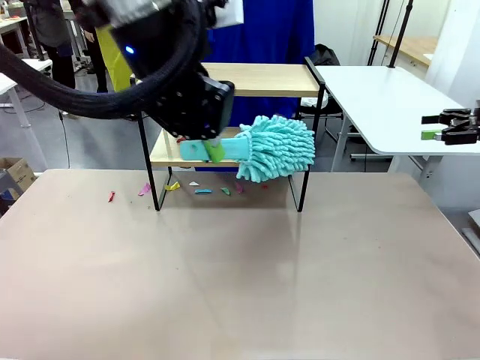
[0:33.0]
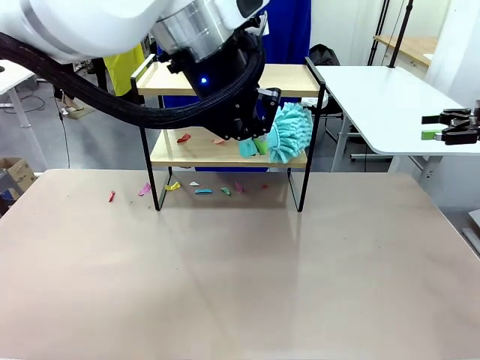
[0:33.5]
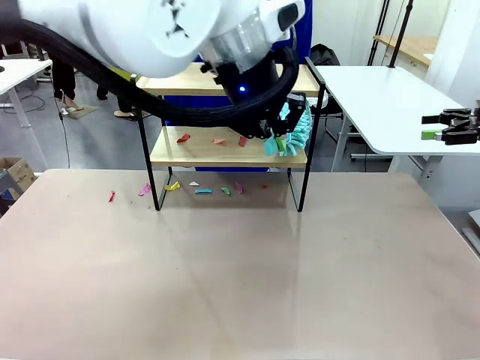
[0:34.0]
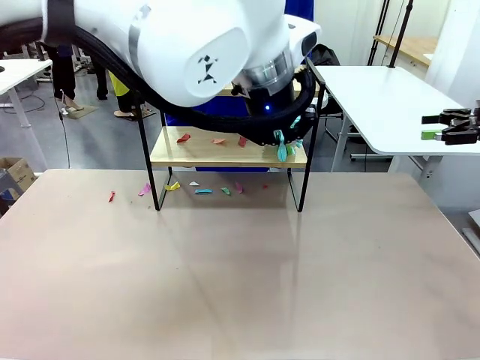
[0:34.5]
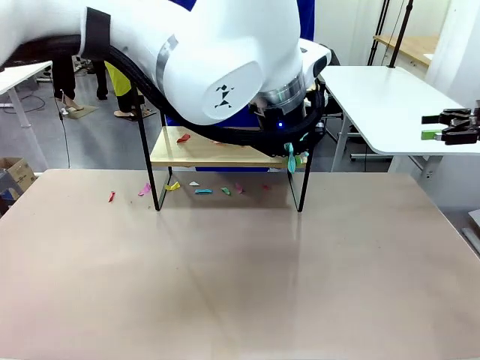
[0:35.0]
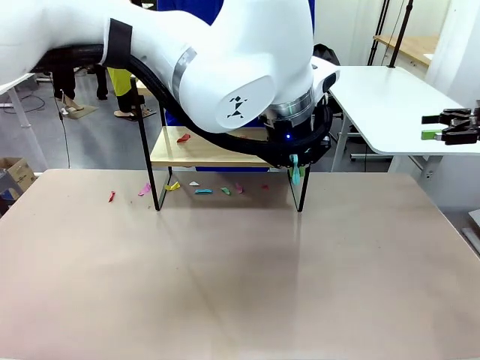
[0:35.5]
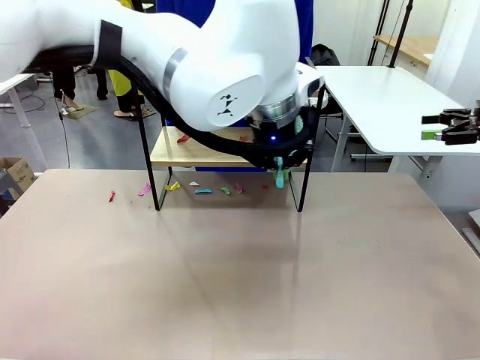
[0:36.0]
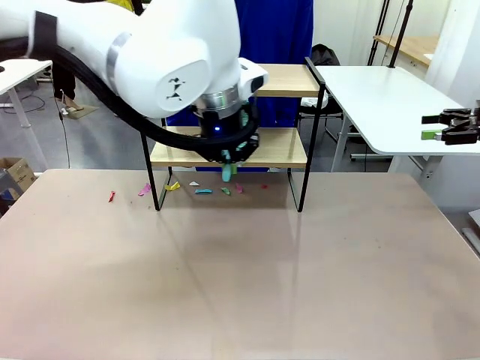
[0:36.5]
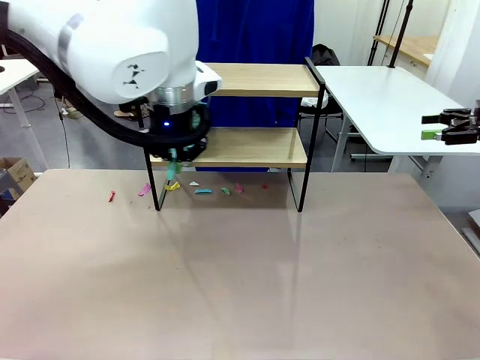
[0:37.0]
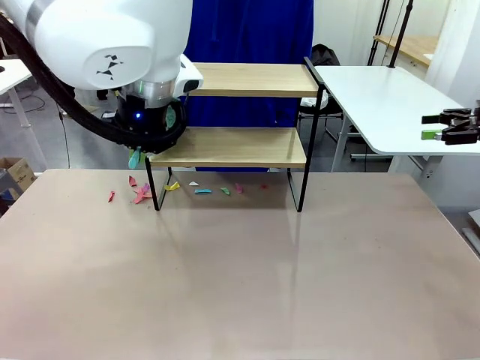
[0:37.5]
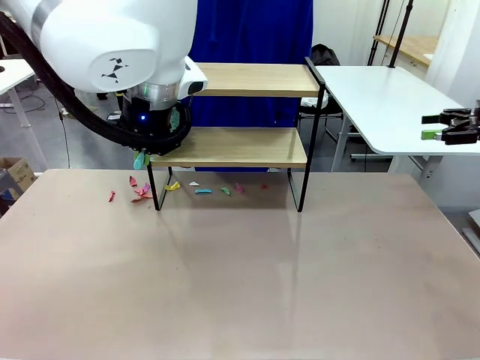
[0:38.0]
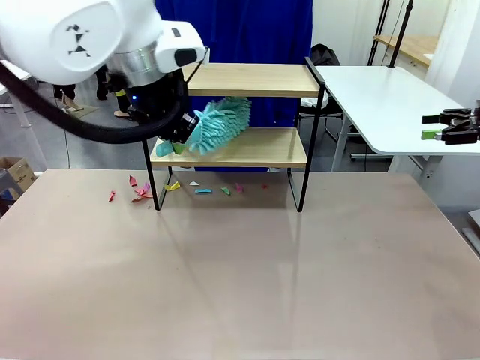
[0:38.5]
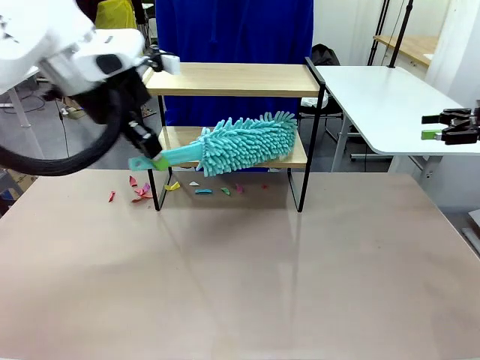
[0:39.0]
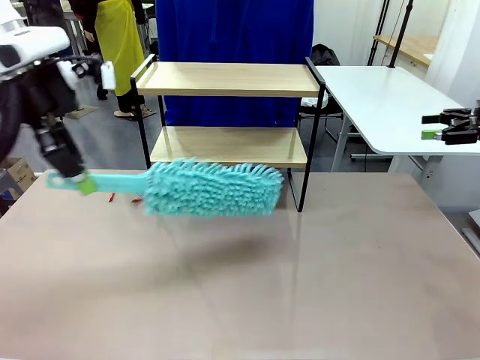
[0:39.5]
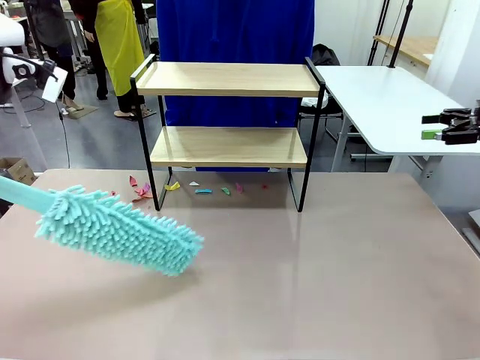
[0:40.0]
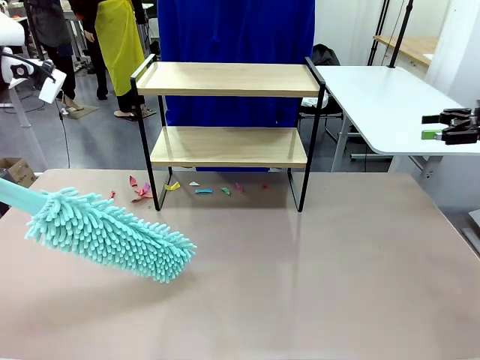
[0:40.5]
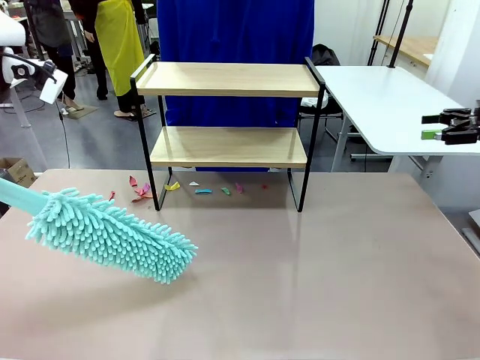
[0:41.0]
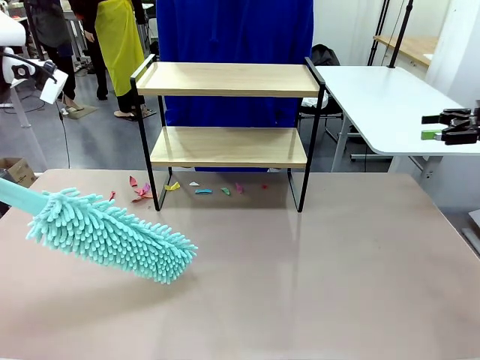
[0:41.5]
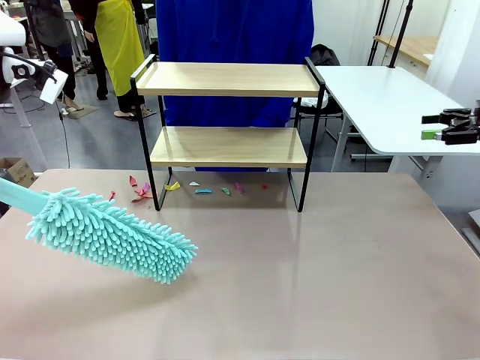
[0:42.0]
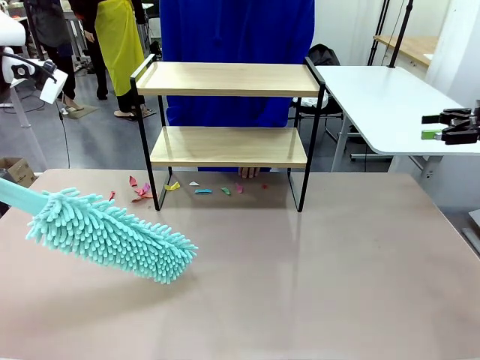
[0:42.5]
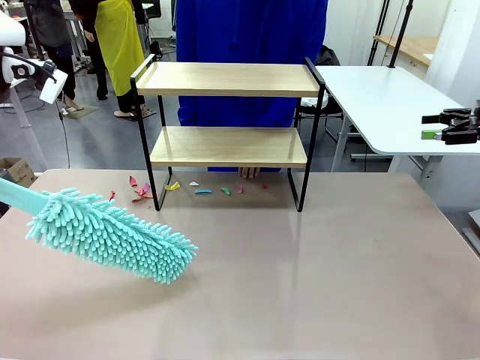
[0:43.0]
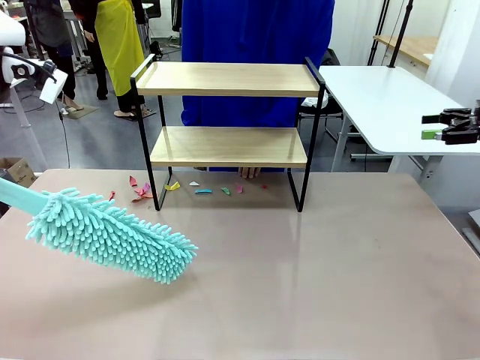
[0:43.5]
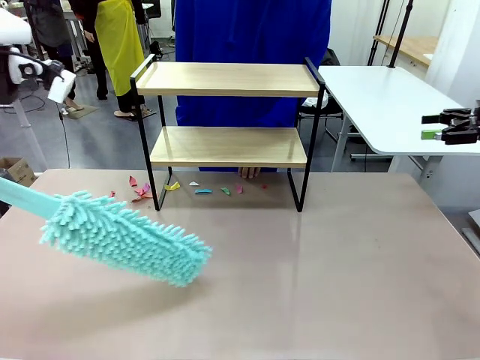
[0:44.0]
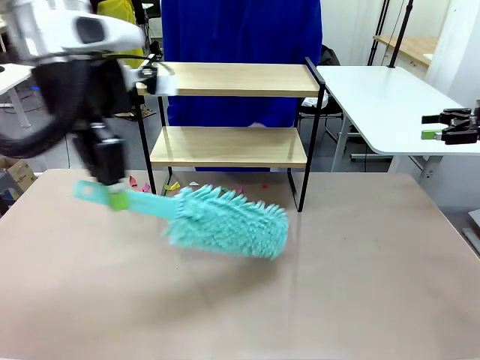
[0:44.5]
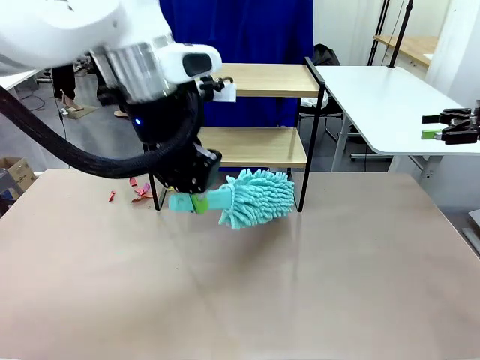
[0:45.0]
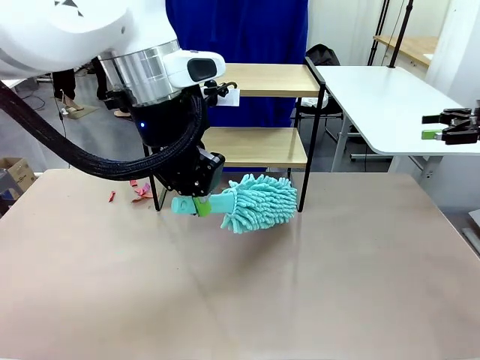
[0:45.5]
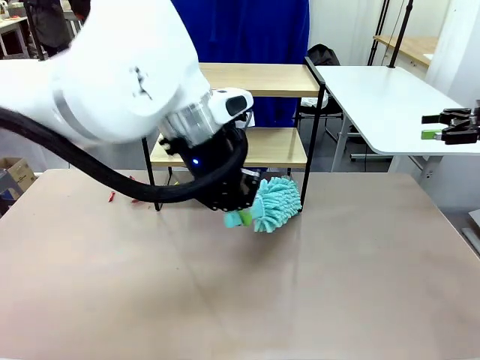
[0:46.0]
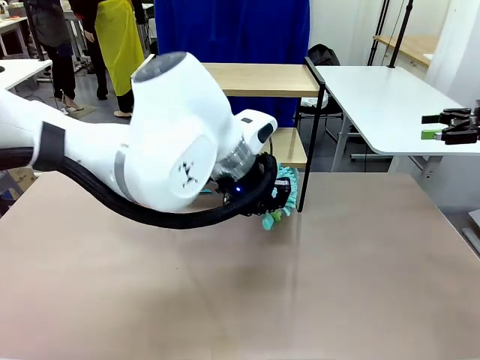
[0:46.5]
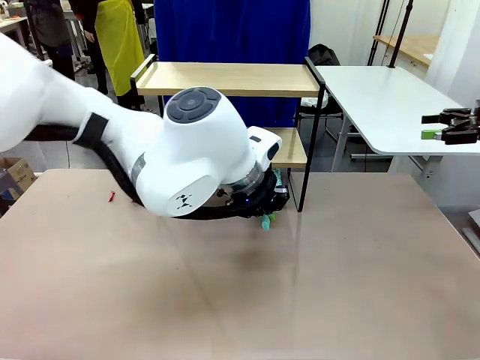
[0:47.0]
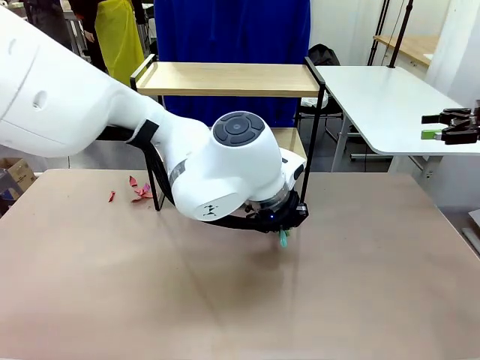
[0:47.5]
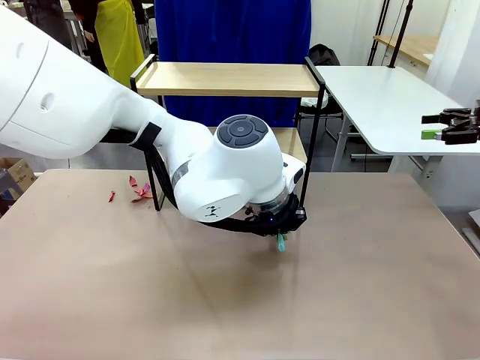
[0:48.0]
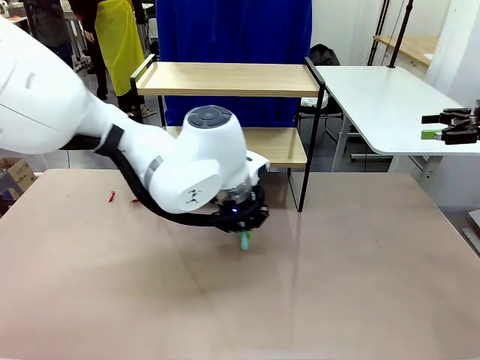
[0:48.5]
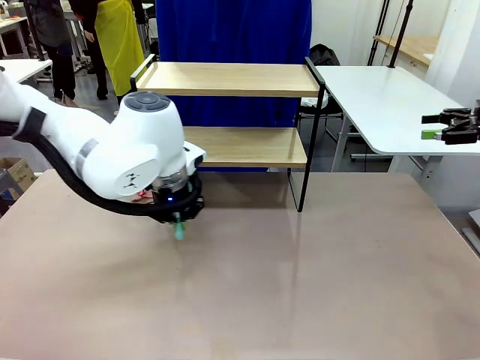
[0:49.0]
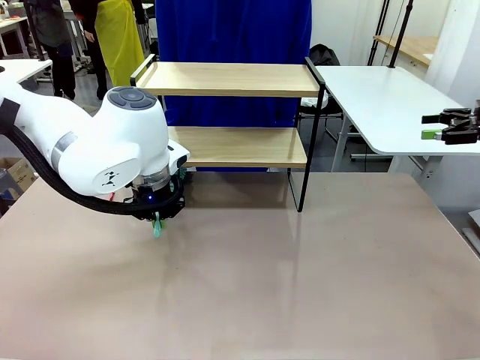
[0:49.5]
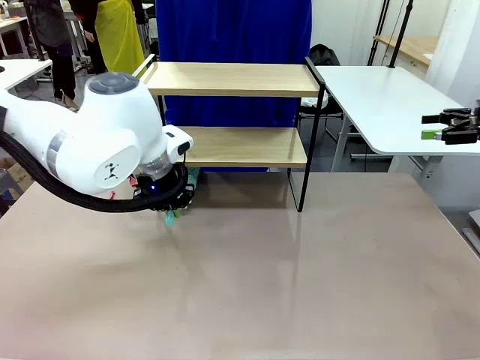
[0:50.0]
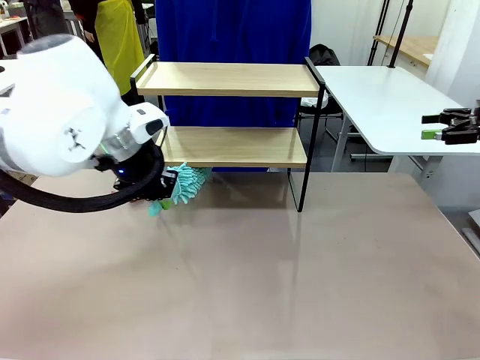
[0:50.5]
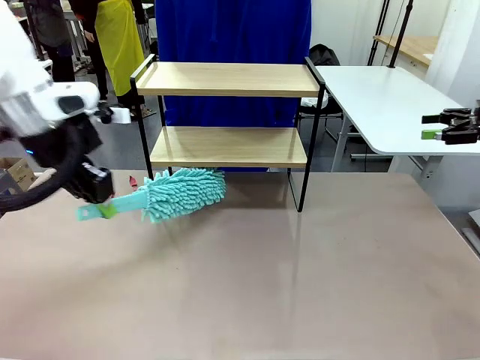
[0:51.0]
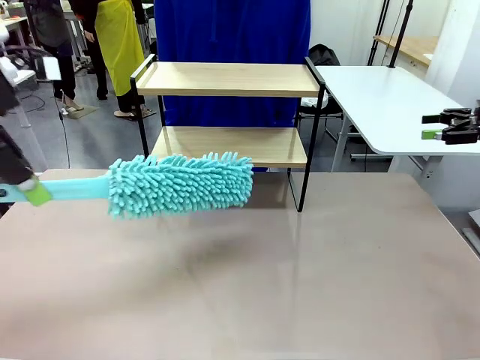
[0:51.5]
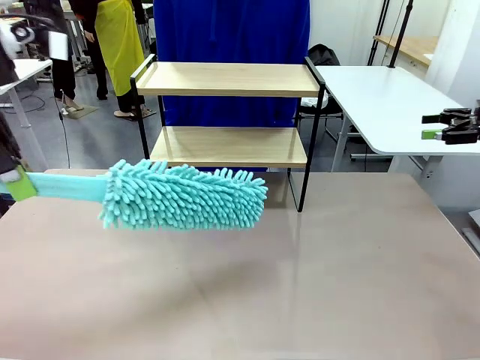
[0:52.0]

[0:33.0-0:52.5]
Task: Clean the shelf.
Robot: Clean the specific section of the Shelf indicated by the human with the Duster.
Person: Point a remaining section of the Shelf.

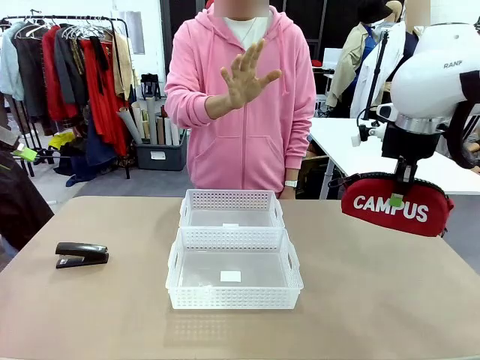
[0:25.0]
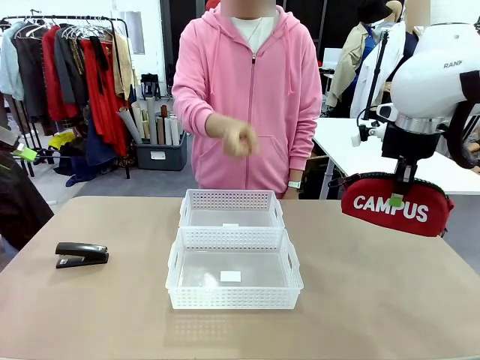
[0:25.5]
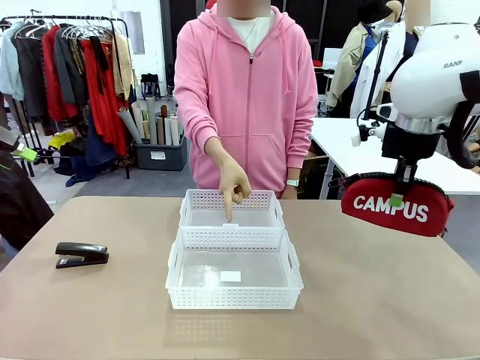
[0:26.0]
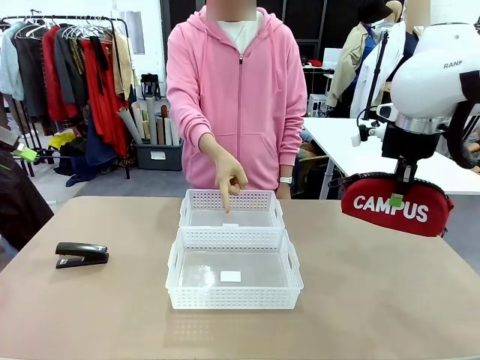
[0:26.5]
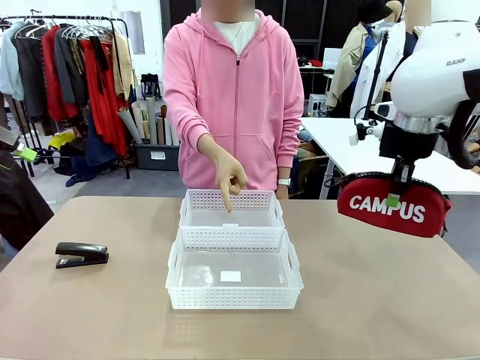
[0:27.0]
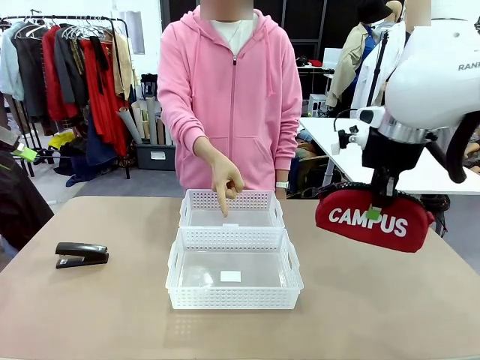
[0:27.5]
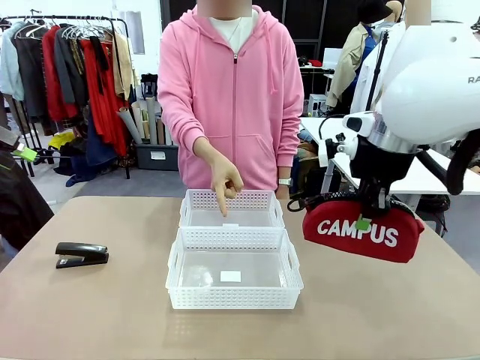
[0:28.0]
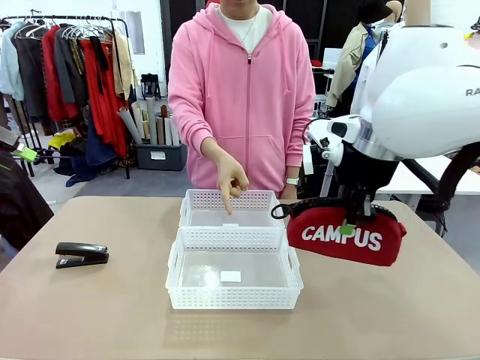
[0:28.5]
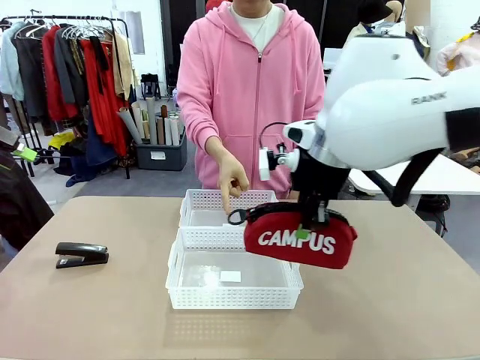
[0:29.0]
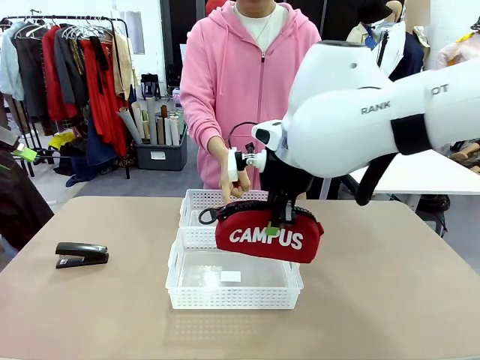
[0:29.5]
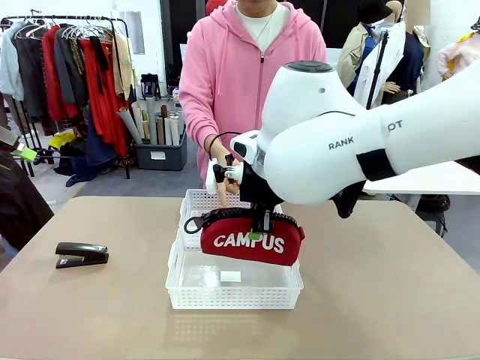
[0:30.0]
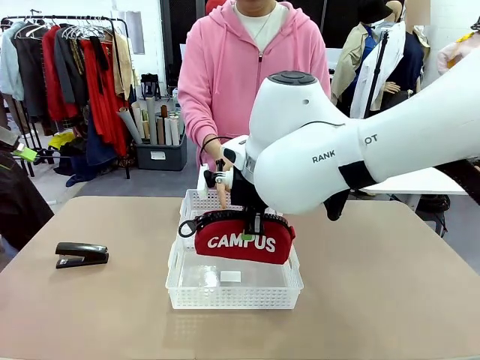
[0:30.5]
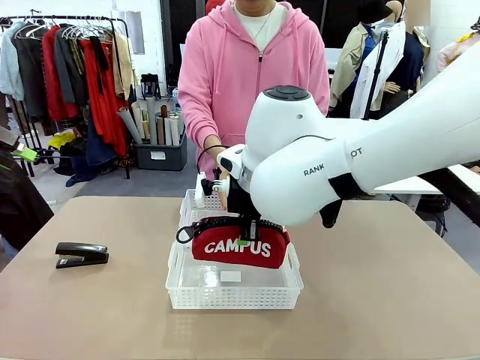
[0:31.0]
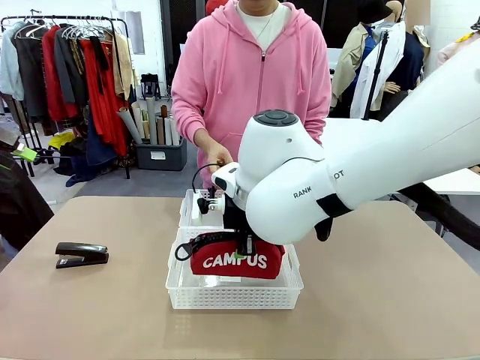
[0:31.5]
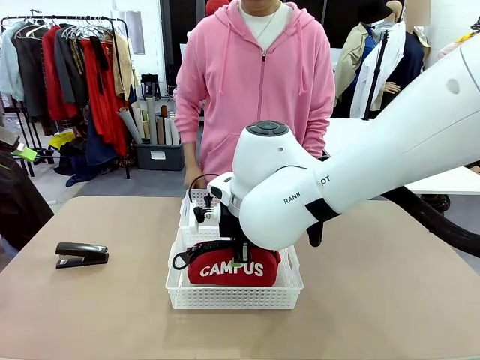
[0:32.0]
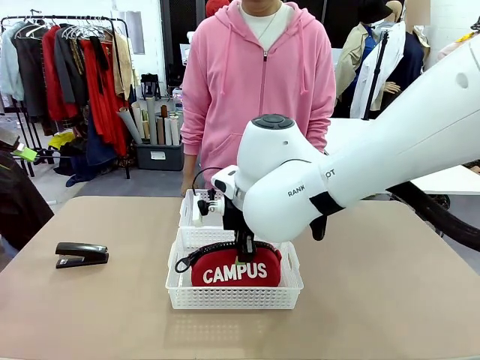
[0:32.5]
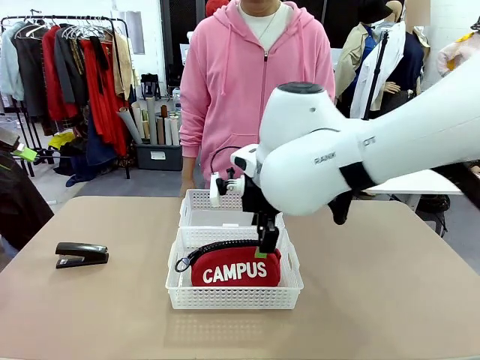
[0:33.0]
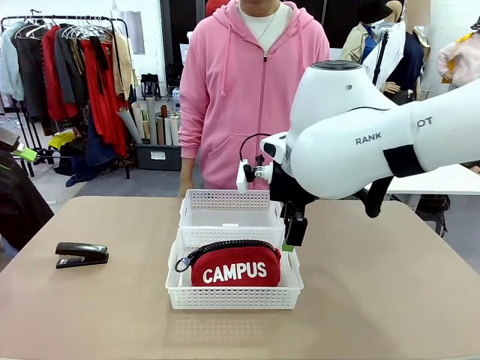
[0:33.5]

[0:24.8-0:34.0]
Task: Distribute items into two baskets.
Robot: Place the picked Pencil pouch into the Organizing basket as instructed by the person.
Person: Instructs the robot to place the pencil case into the opposite basket. Points to the stapler.
